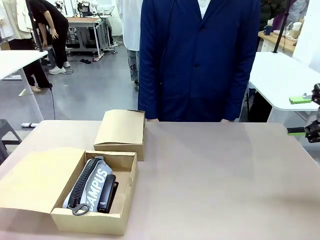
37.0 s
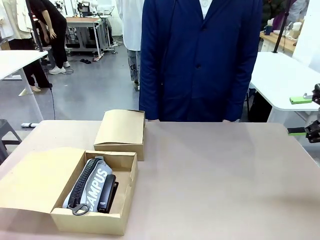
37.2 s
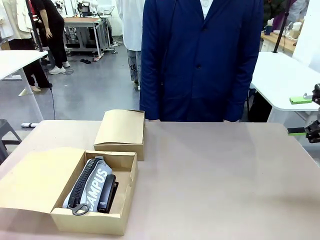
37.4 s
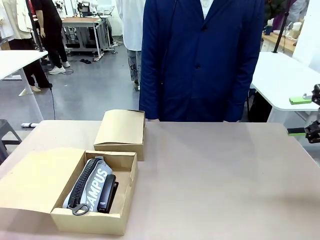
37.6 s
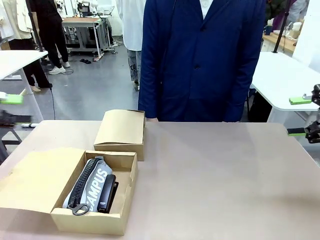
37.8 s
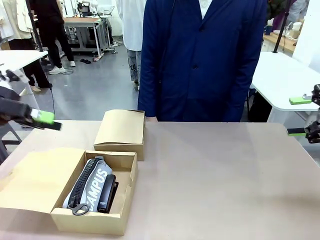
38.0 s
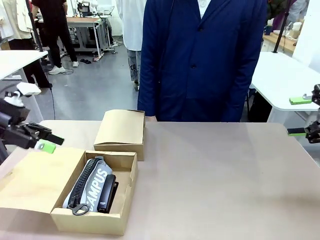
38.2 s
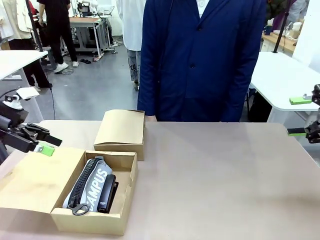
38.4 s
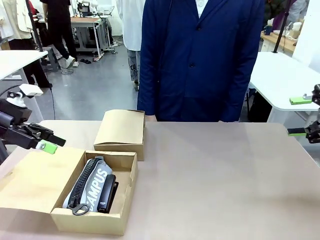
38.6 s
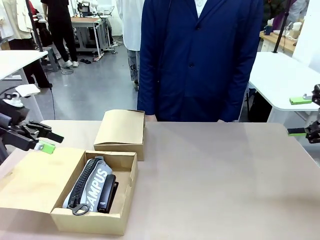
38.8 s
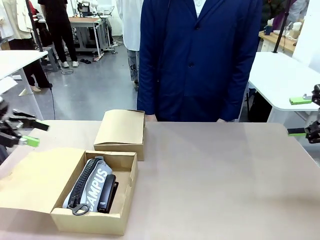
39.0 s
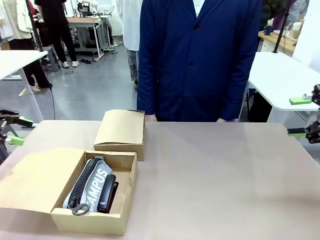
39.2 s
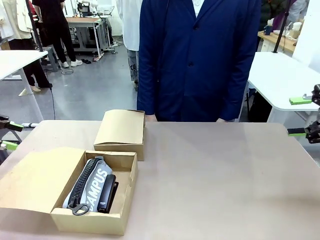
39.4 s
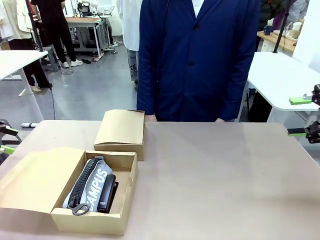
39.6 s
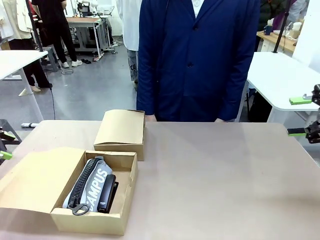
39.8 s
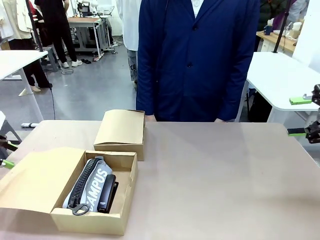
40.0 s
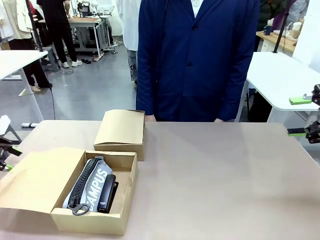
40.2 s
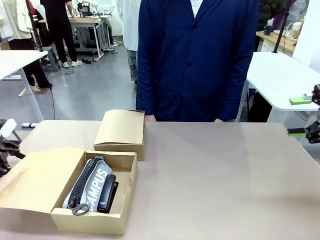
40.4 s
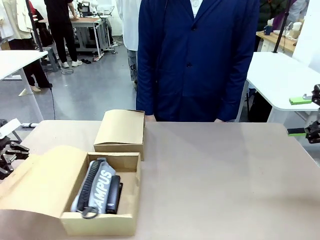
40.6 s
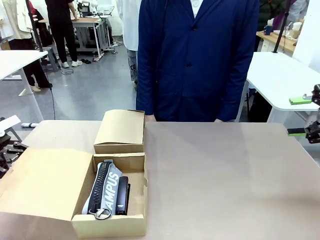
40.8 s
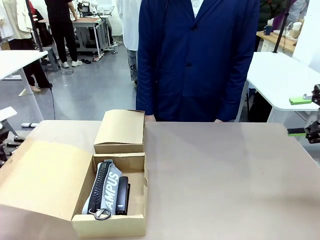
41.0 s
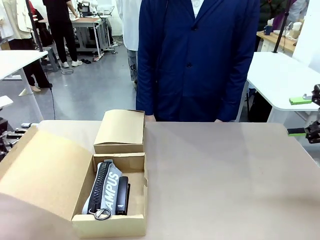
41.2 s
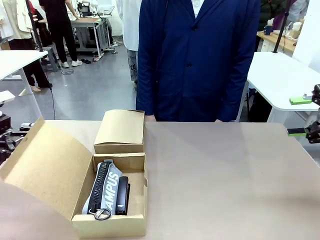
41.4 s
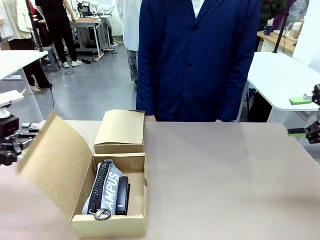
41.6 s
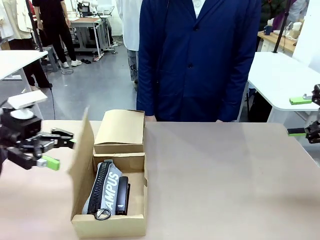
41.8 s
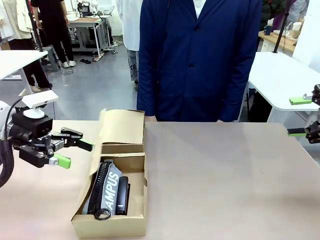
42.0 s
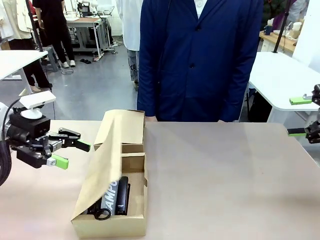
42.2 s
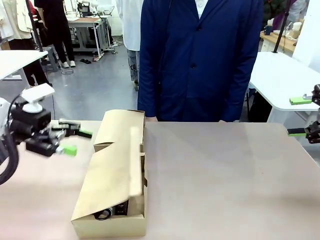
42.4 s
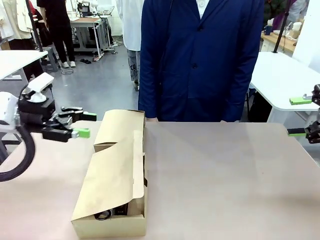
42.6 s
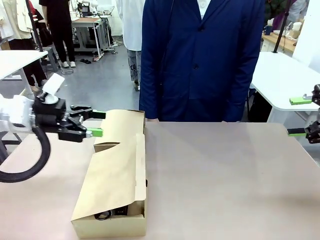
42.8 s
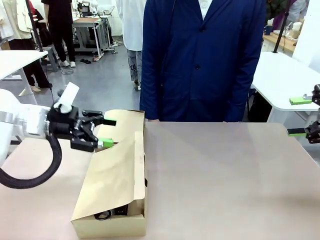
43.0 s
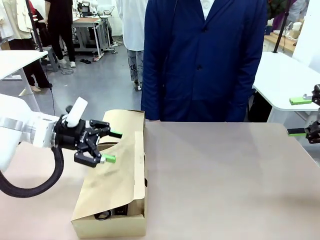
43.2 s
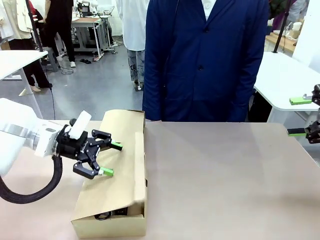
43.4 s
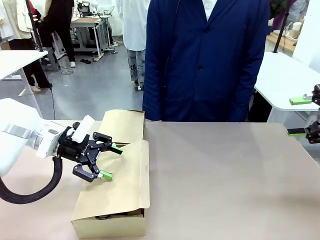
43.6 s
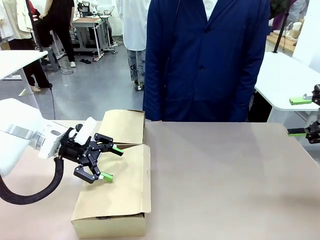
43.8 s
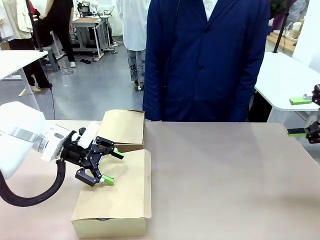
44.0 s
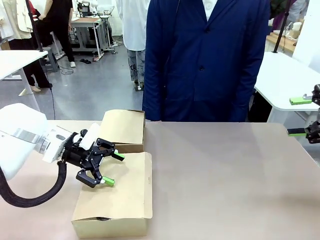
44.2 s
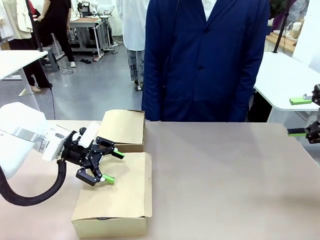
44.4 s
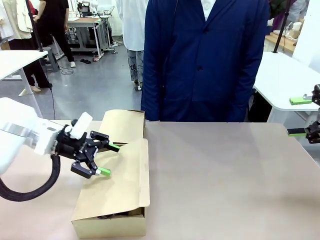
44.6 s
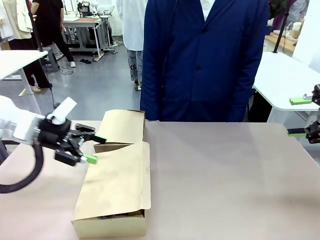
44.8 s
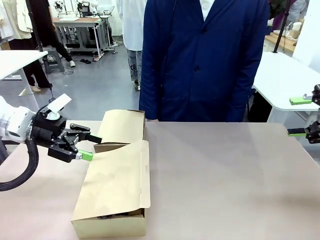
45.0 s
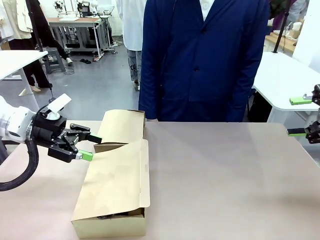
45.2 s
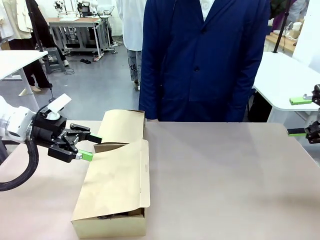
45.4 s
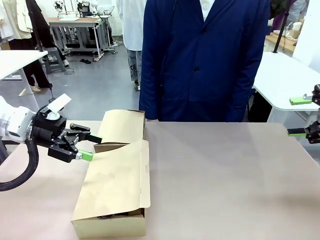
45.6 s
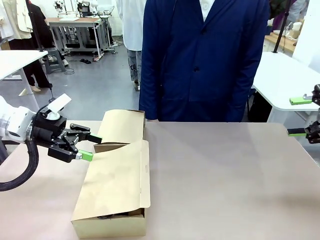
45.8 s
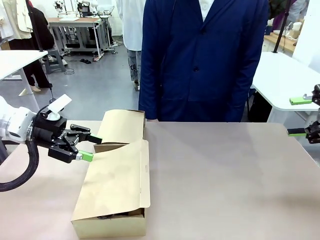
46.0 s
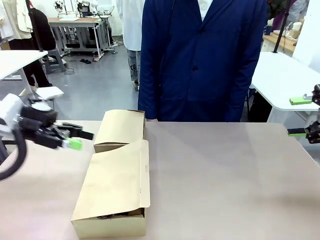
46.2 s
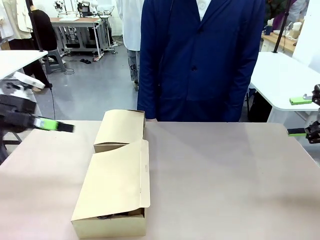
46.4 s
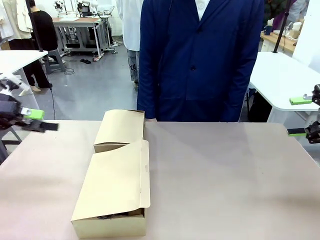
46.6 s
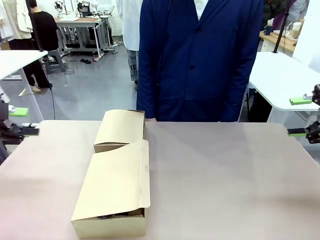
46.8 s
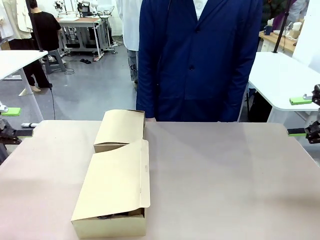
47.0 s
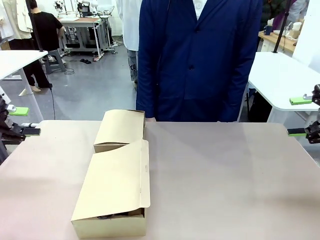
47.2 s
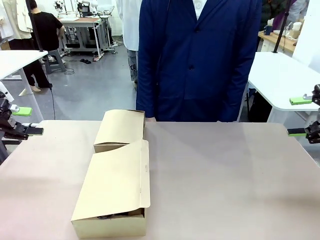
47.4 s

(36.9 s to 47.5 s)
Task: Place items inside the box.
Robot: Close the lid of the Mailer Box closest to the robot.
Person: Close the lid of the box facing the person.

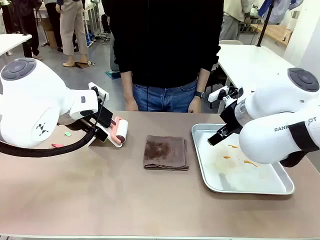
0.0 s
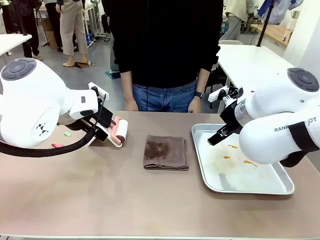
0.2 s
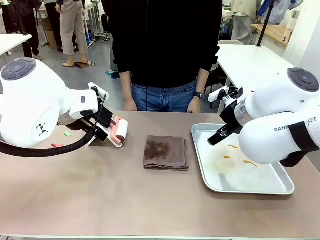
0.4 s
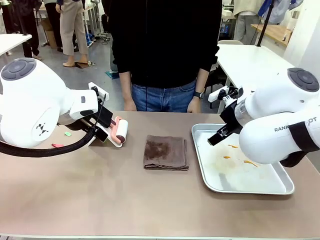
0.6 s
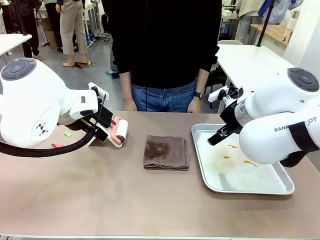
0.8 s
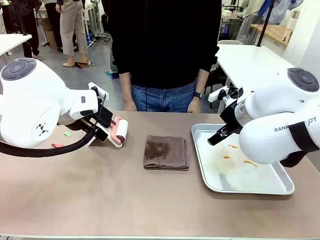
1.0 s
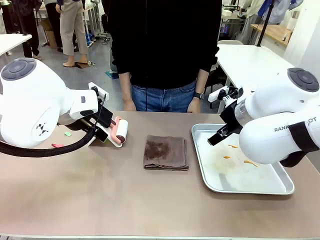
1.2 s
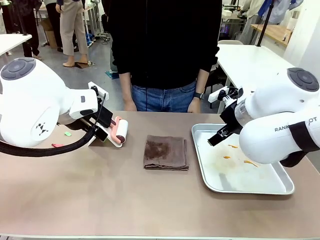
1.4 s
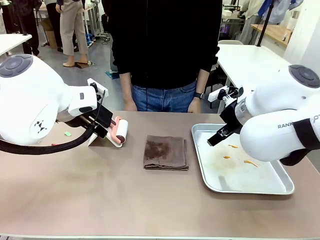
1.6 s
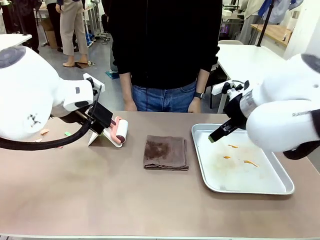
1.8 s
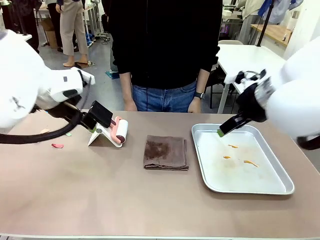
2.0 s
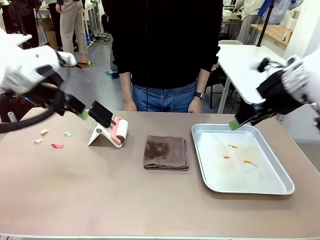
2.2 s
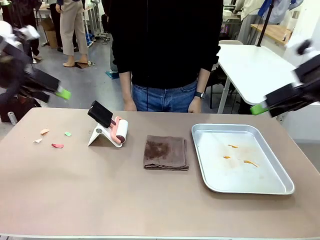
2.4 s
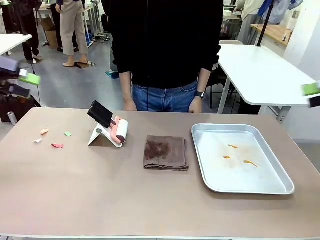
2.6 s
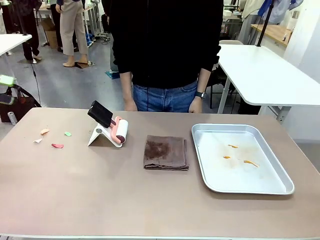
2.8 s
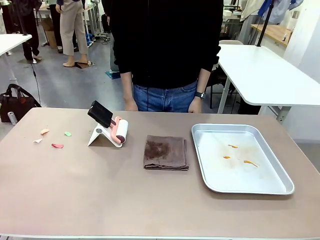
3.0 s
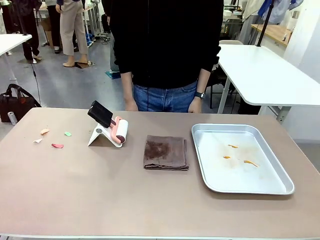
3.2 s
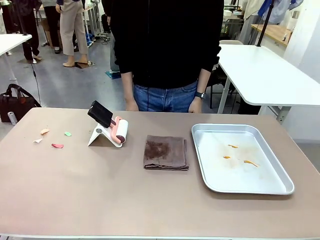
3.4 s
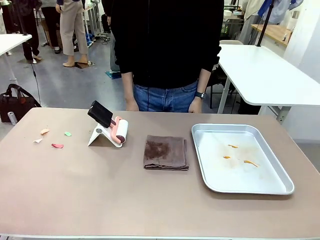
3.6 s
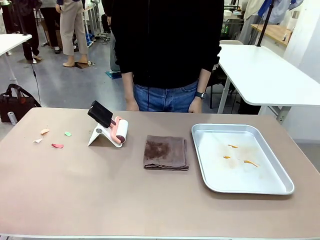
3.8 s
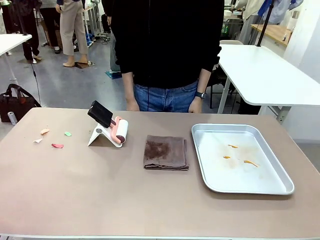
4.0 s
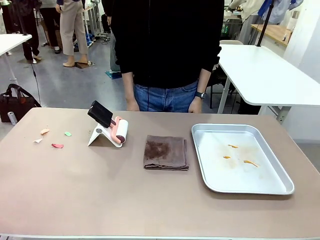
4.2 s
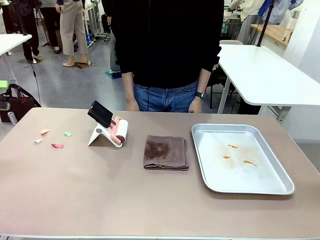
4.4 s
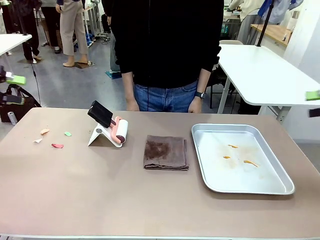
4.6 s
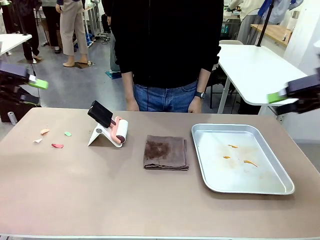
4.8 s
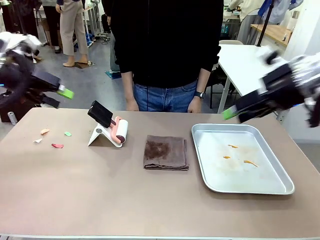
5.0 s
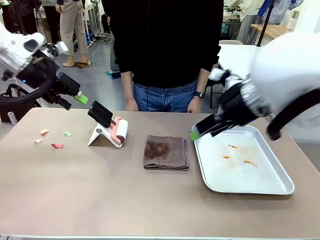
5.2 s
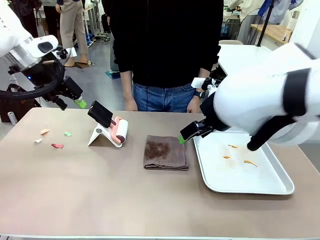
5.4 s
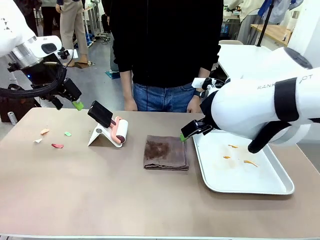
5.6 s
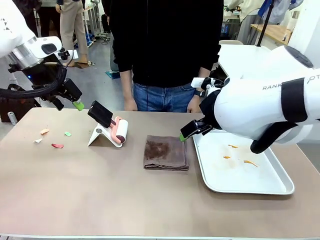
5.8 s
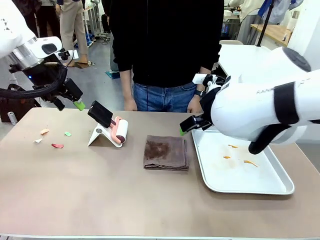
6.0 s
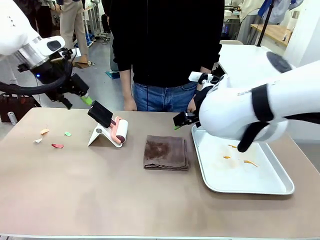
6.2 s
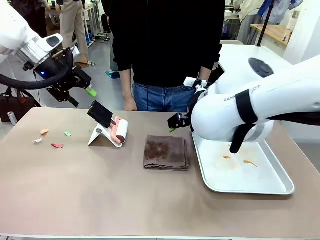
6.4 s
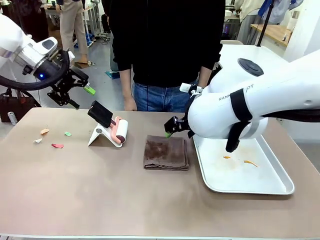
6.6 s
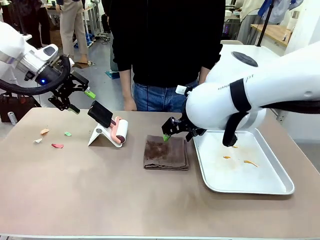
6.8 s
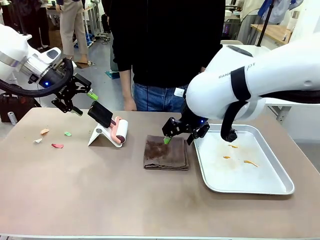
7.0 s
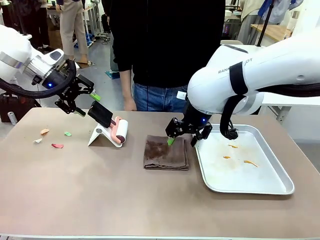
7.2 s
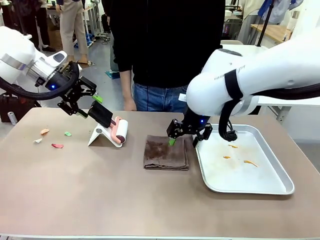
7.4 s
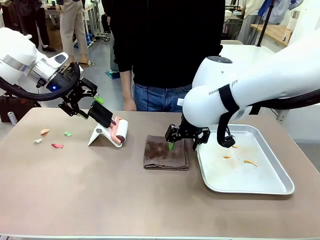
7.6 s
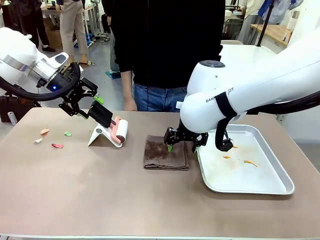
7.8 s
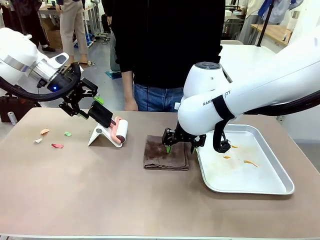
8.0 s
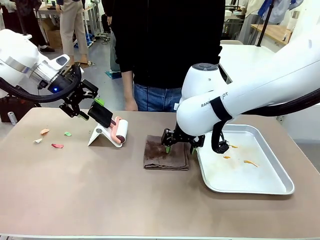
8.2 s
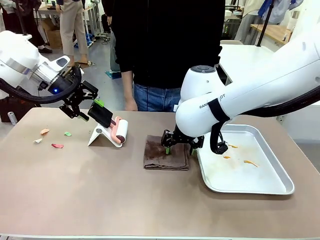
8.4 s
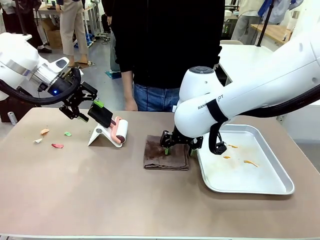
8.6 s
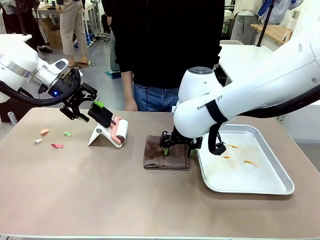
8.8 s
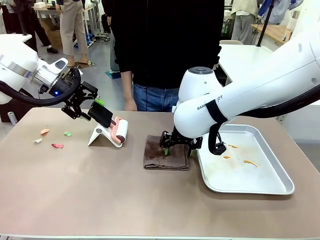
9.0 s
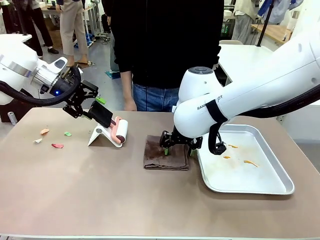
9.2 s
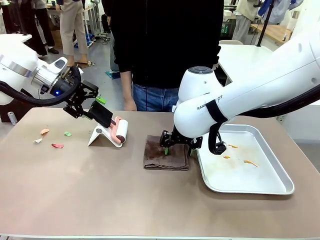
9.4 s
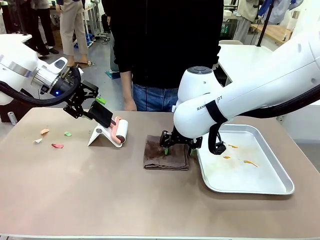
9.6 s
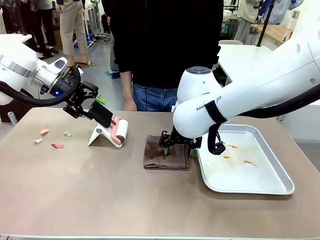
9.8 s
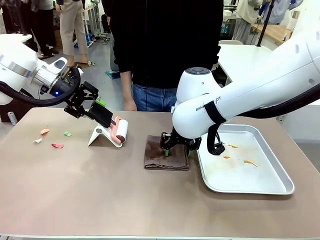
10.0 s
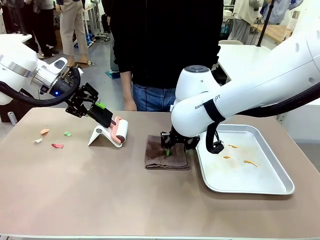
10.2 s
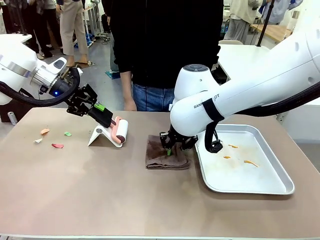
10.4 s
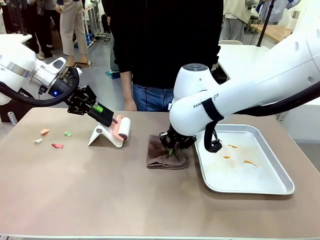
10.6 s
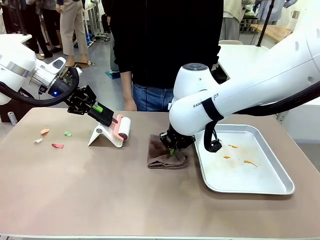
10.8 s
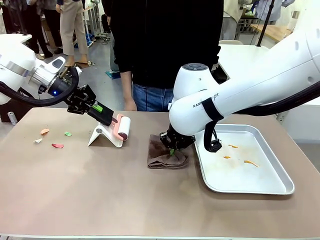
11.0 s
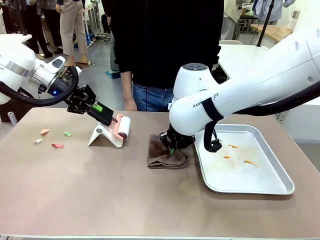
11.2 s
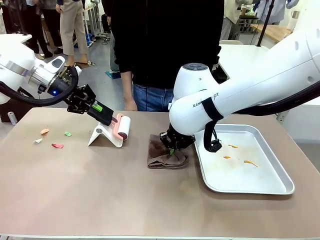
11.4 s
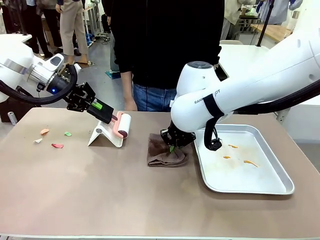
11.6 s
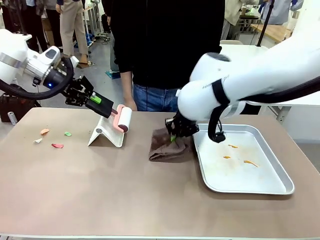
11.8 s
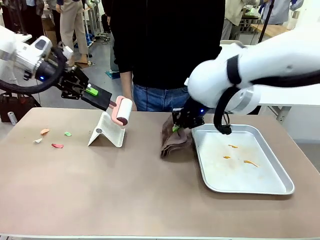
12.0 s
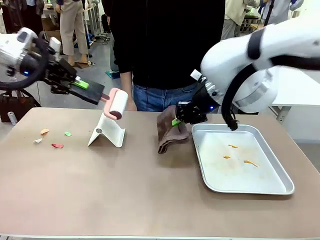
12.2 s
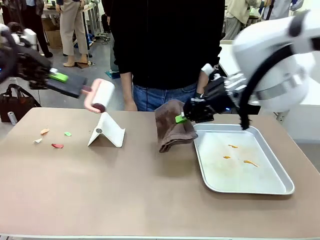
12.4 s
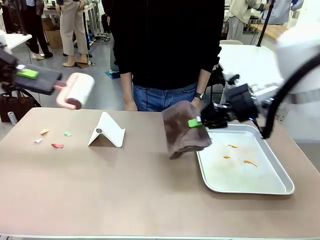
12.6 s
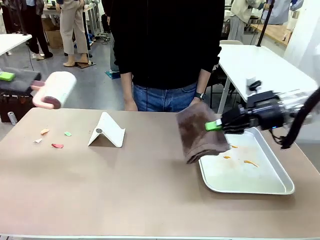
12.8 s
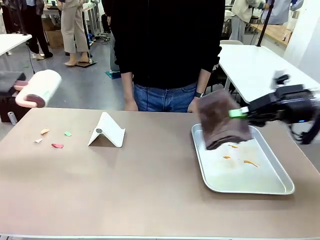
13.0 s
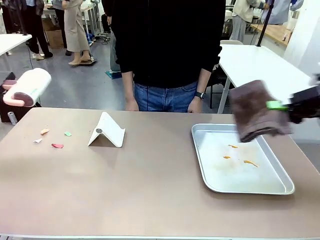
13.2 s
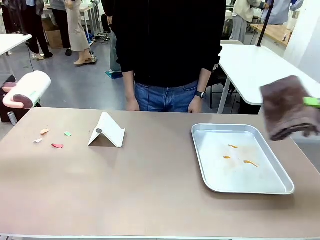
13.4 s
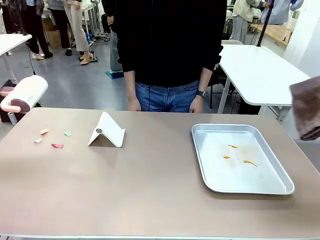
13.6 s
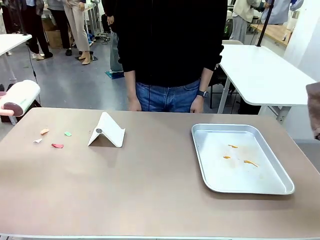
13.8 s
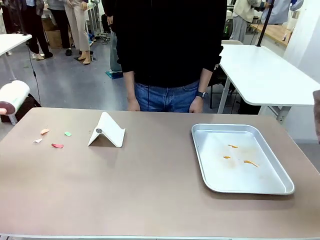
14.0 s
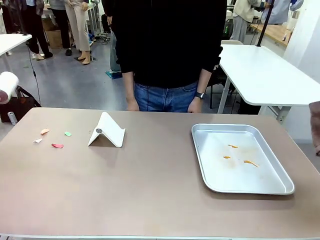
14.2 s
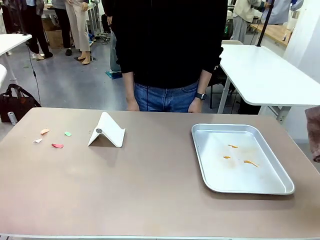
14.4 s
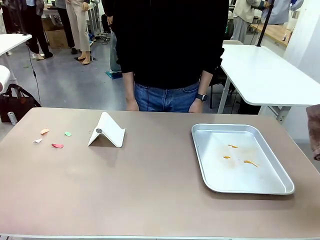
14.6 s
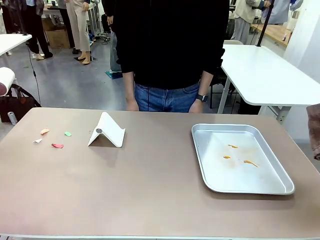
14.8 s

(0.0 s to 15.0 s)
Task: Clean the surface of the table.
Robot: Hold the Lint Roller with your left hand and the towel with your right hand.
